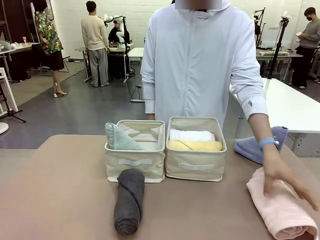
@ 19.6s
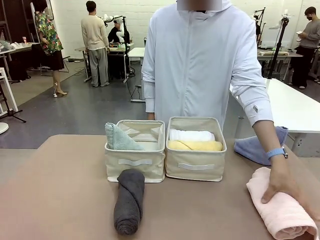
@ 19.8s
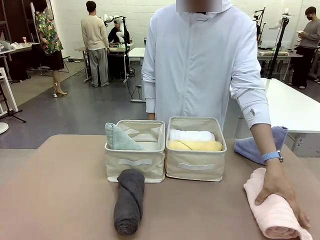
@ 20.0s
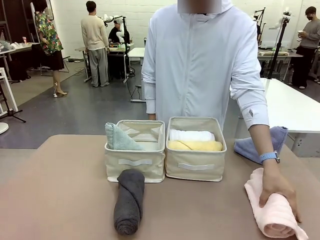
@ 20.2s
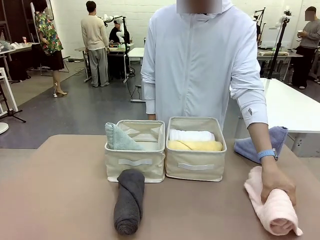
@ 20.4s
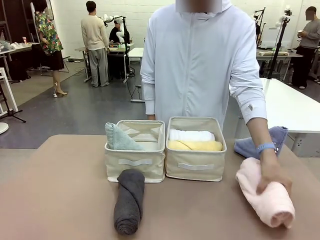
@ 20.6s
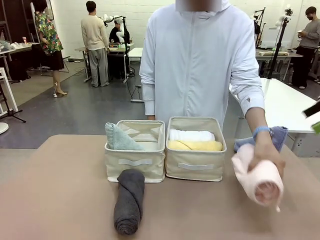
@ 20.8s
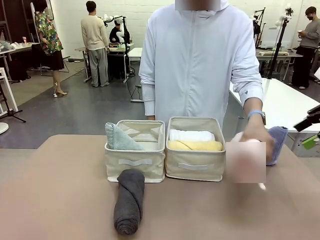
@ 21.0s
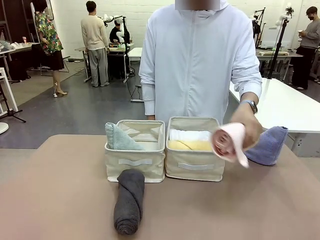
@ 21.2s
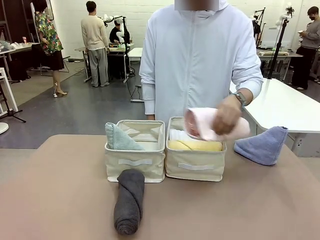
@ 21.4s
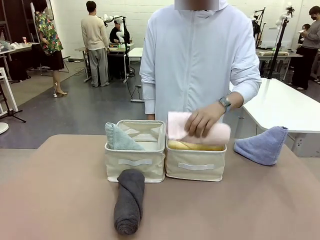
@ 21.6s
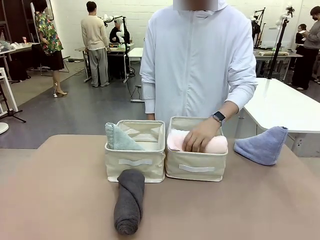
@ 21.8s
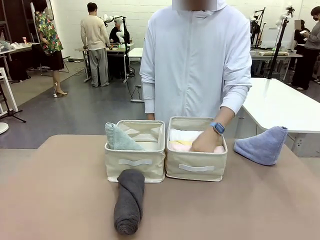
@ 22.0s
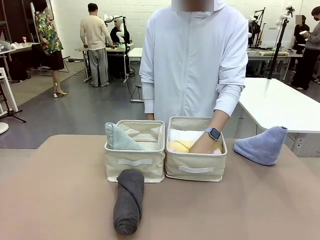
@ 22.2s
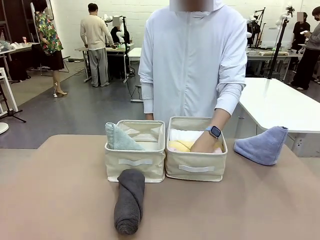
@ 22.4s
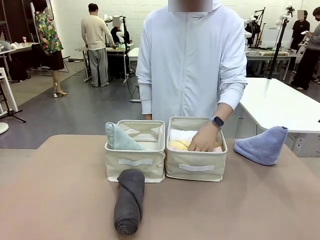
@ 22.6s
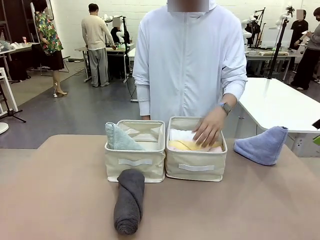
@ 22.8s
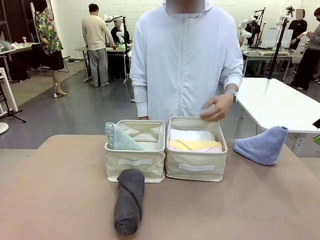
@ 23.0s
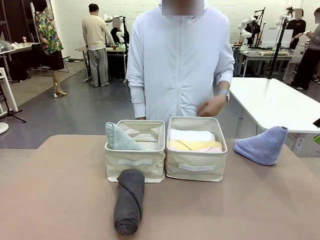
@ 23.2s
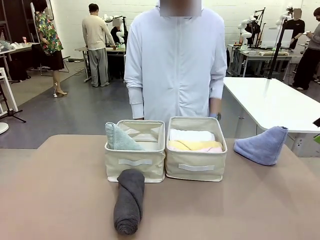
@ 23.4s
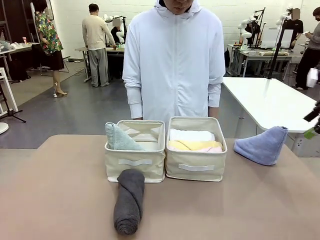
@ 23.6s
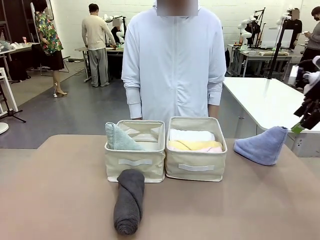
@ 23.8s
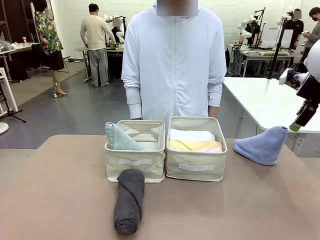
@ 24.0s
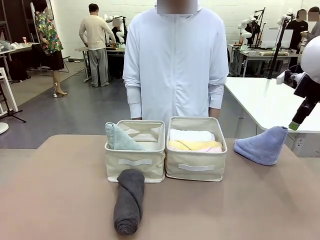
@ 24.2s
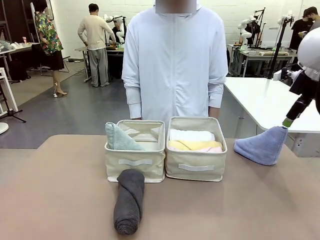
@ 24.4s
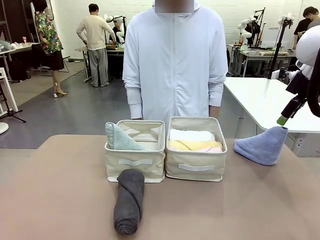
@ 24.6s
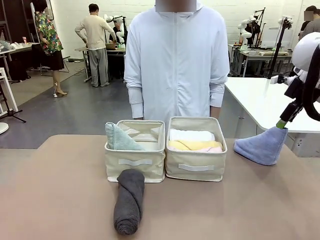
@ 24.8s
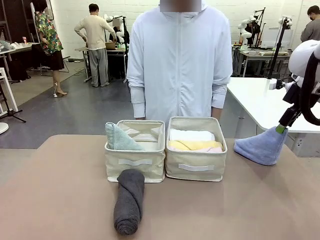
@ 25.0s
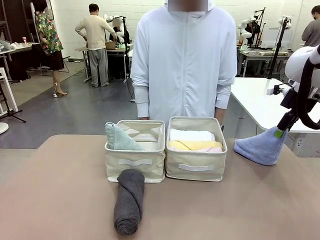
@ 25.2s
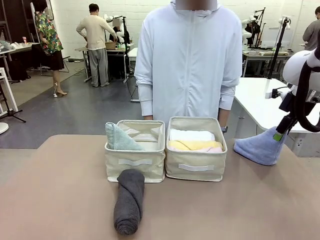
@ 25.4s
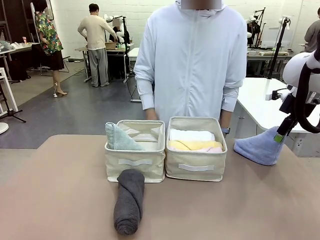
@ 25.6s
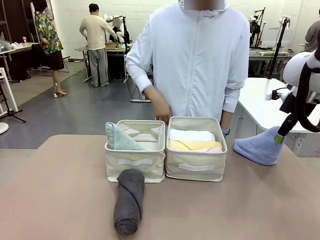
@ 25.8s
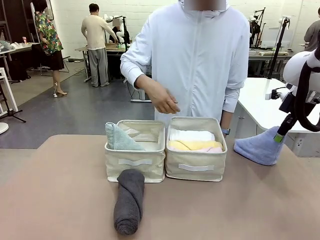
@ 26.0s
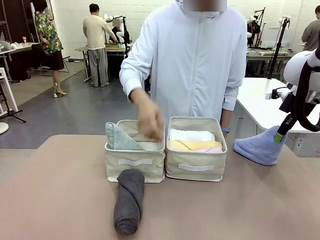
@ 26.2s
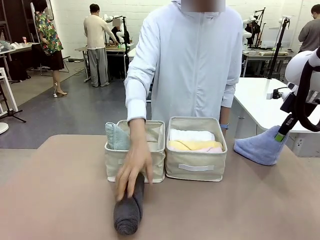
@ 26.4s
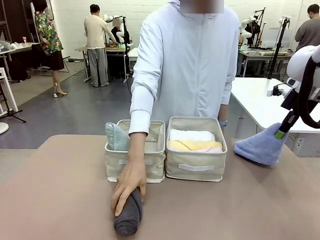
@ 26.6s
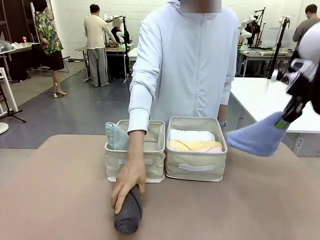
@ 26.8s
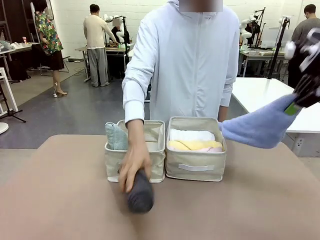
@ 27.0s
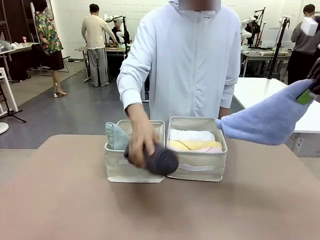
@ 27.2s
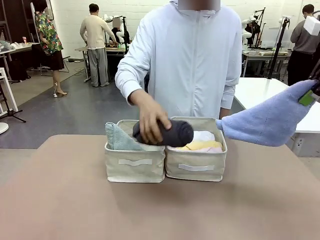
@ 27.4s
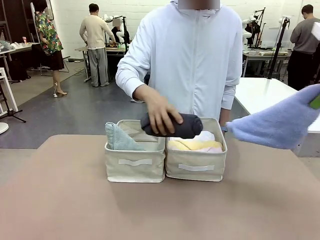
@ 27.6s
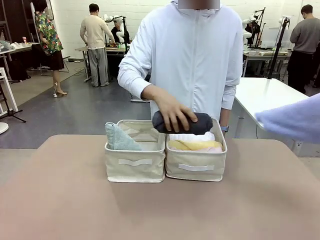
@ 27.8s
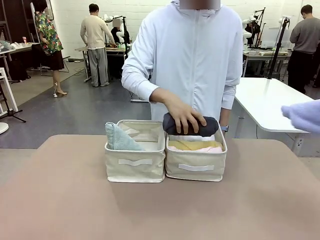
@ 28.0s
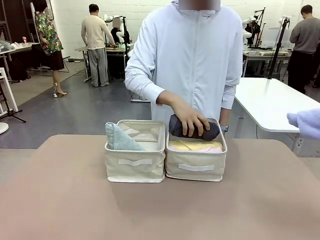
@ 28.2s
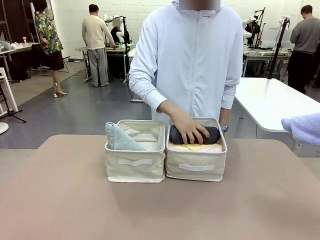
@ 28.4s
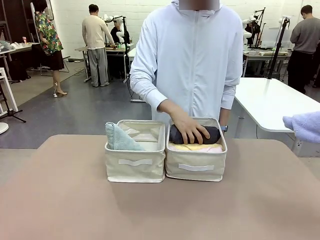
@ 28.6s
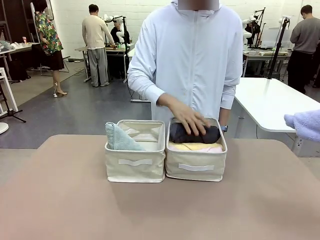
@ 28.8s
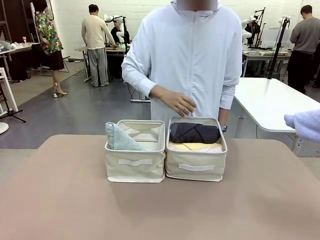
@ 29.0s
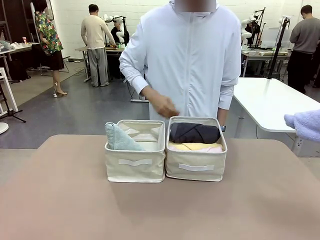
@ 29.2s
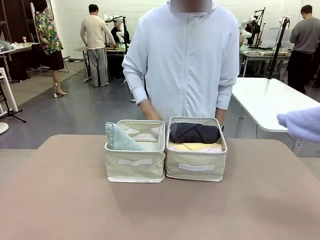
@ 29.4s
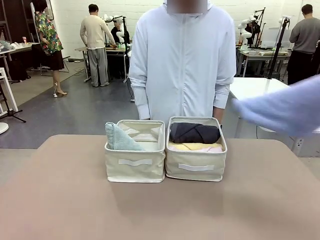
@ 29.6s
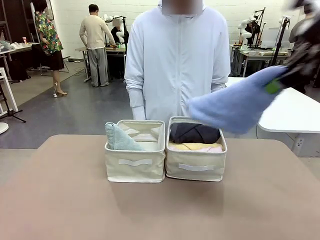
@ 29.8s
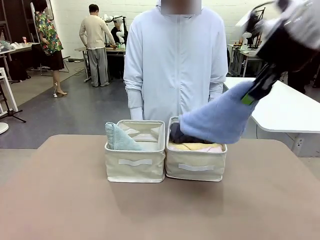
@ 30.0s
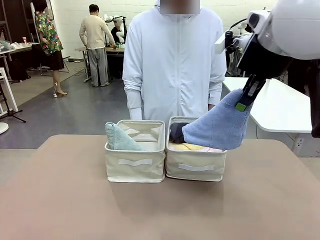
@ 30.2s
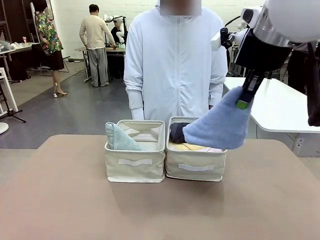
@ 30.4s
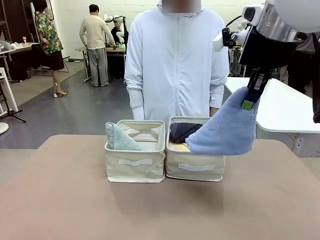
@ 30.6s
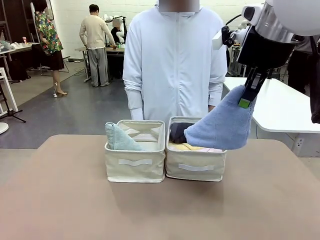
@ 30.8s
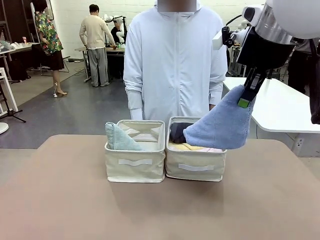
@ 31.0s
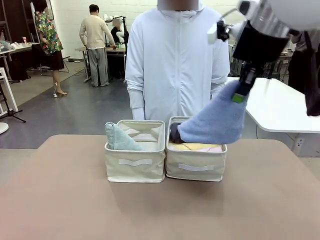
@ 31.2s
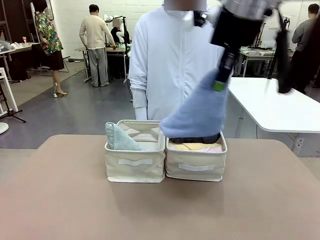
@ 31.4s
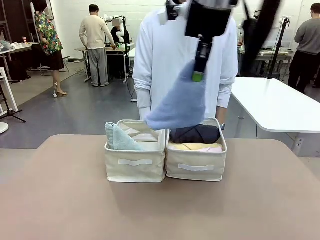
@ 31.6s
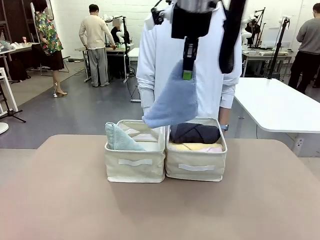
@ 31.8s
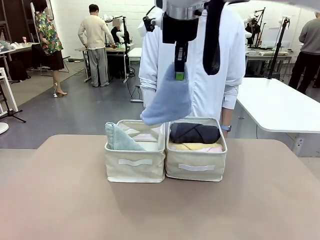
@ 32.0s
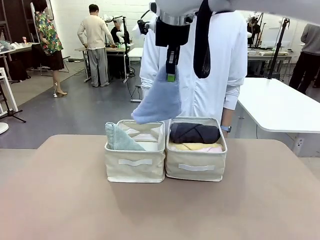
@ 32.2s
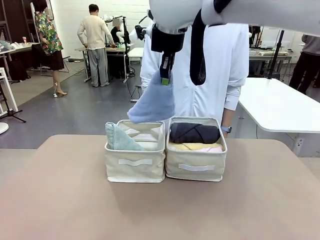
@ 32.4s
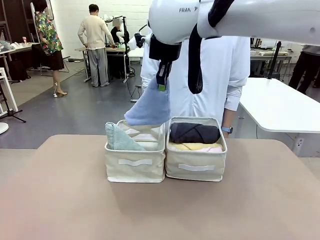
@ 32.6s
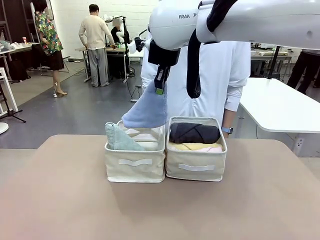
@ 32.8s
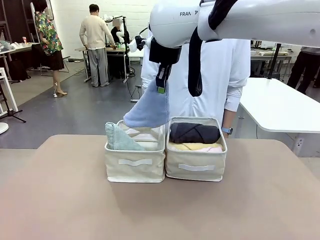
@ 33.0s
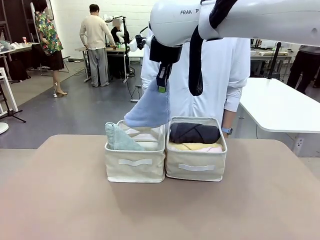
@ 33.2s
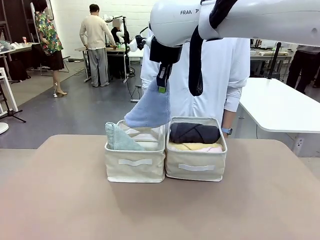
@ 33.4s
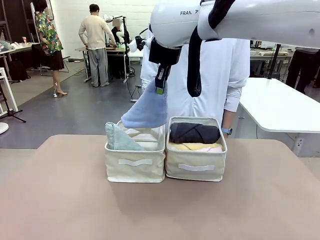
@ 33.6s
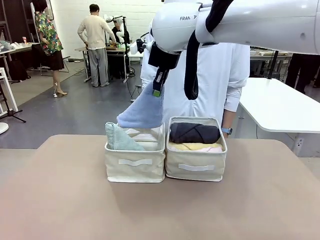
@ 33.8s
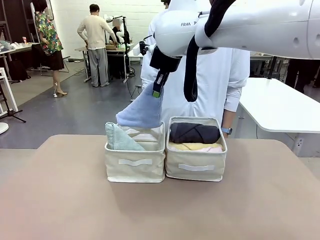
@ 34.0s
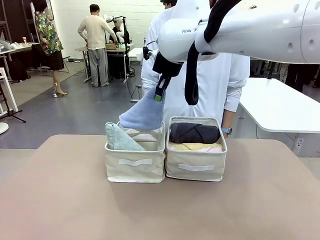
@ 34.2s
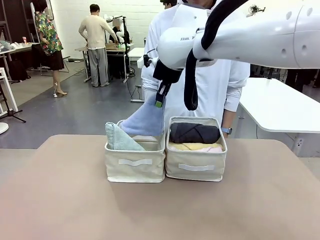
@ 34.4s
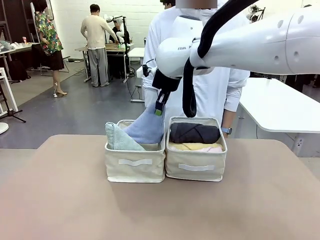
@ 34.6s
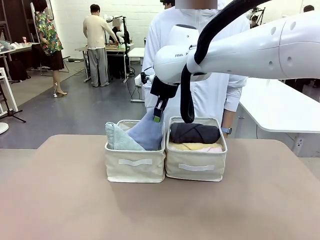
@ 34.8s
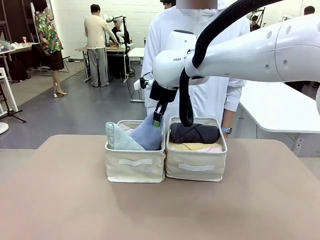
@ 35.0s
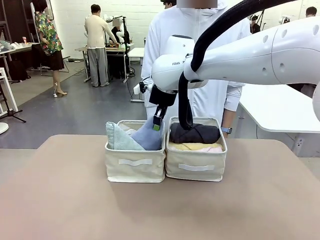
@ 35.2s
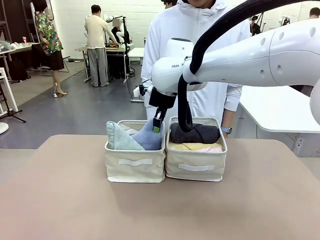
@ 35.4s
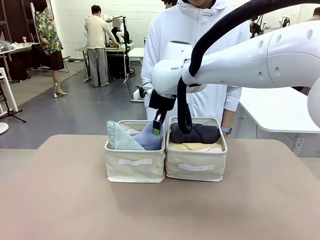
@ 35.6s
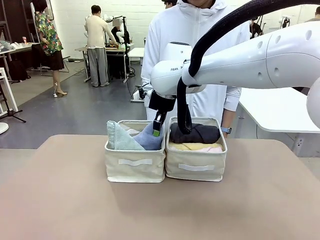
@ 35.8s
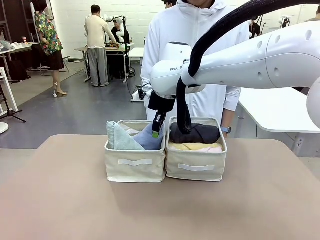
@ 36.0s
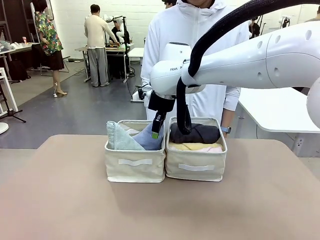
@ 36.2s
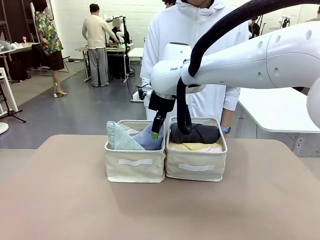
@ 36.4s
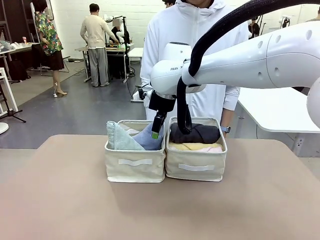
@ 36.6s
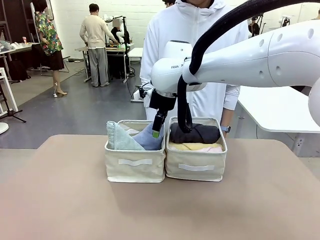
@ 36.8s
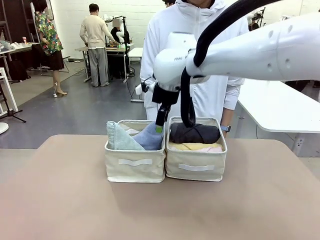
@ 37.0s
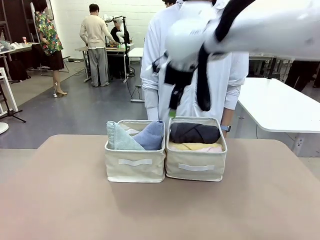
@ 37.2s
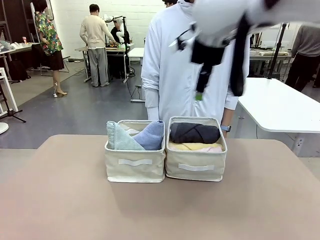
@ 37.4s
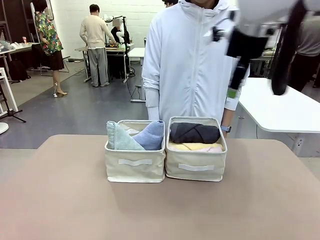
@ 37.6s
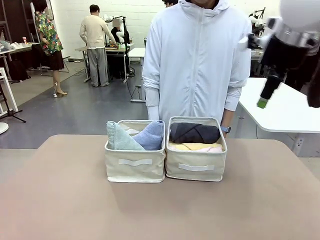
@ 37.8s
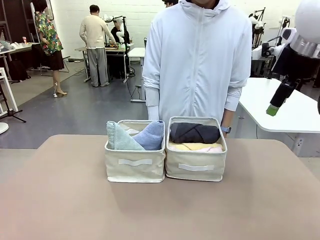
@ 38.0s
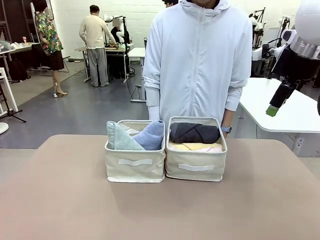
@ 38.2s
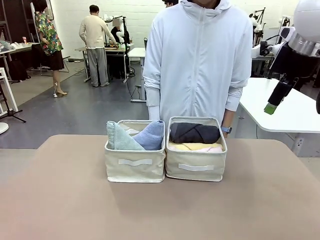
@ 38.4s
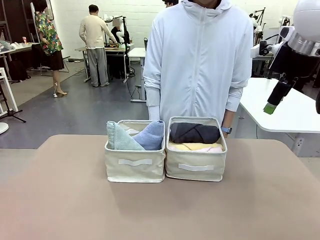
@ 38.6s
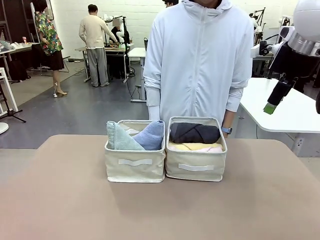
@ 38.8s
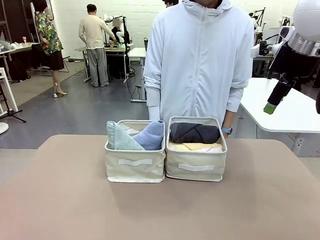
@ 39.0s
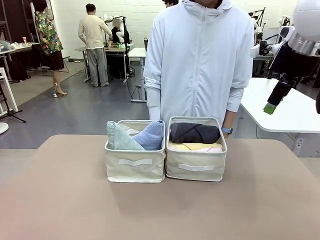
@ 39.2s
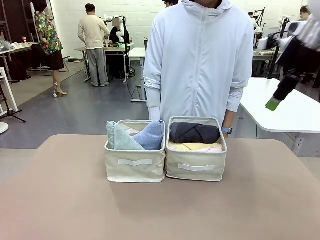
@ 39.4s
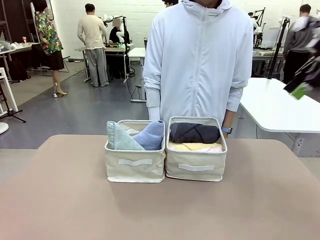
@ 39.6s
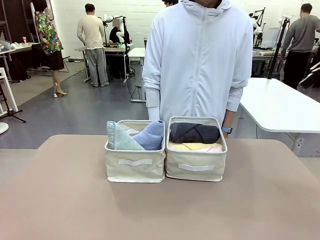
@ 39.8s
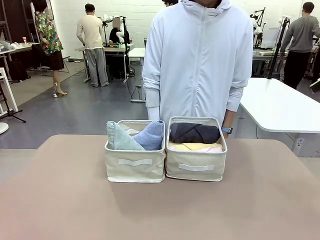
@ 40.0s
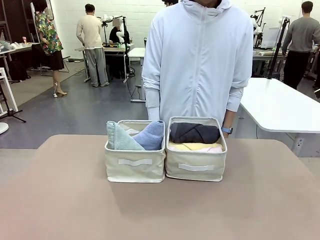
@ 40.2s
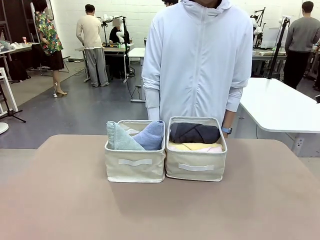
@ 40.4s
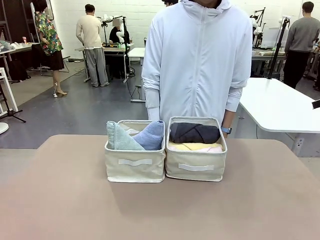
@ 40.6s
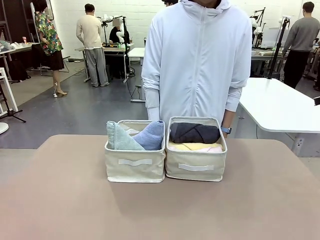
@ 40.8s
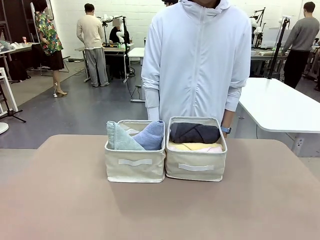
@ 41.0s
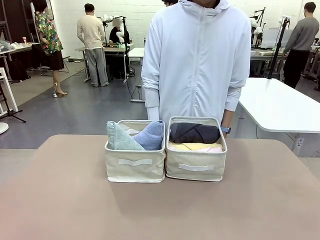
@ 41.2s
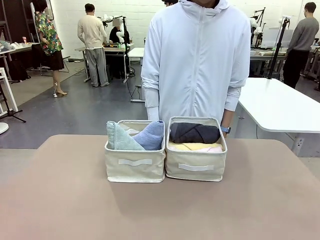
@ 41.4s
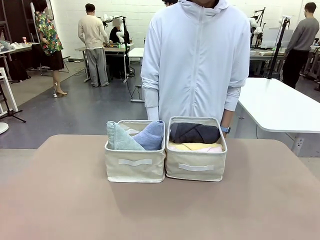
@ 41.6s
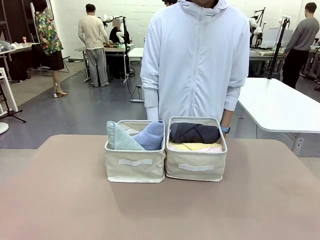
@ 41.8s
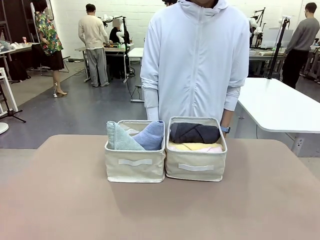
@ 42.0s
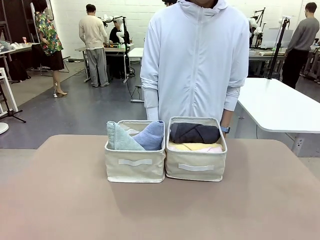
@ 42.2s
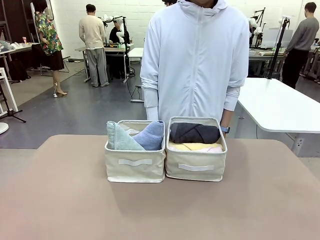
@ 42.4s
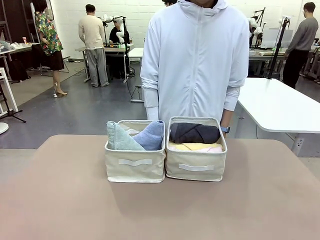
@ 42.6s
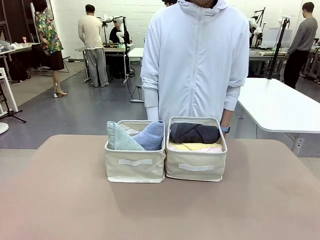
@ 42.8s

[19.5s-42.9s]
Task: Sort the towels based on their folding style.
Robot: Pick up another triangle-folded towel from the table and place it in the left Fabric basket.
Person: Pick up one hotel-style rolled towel from the table and place it in the left fabric basket.
